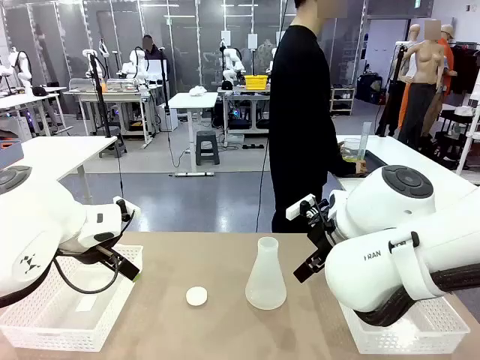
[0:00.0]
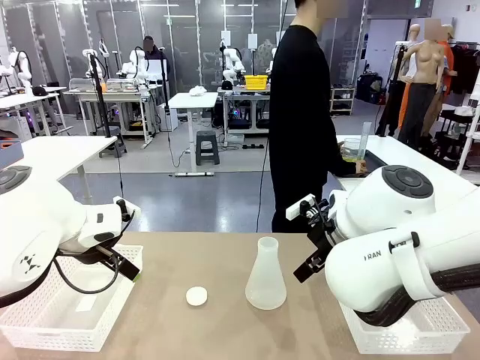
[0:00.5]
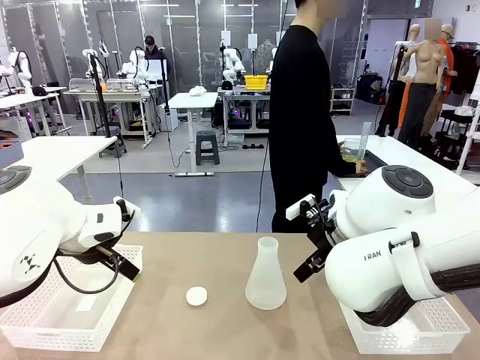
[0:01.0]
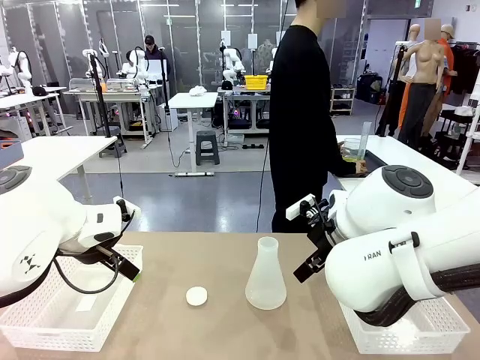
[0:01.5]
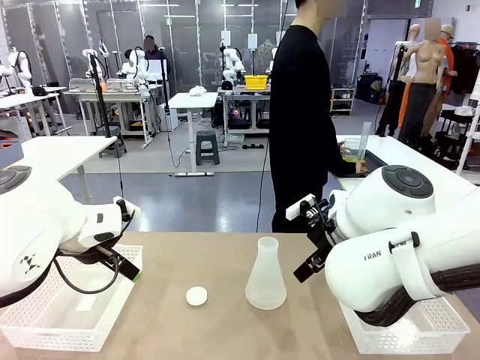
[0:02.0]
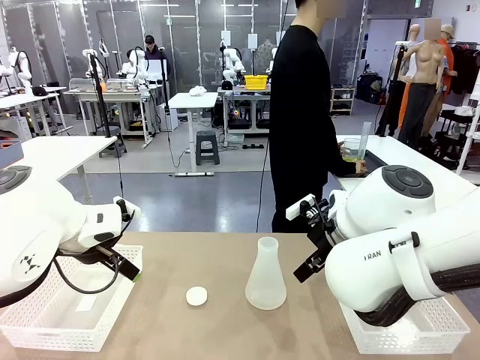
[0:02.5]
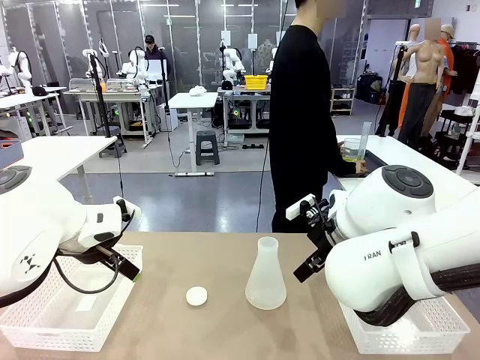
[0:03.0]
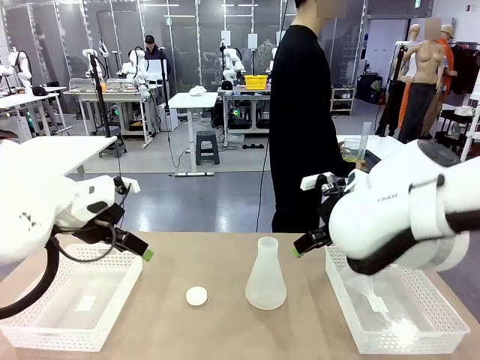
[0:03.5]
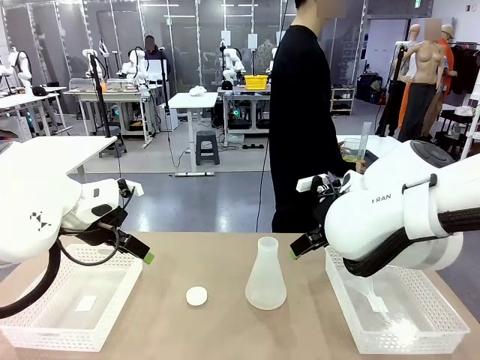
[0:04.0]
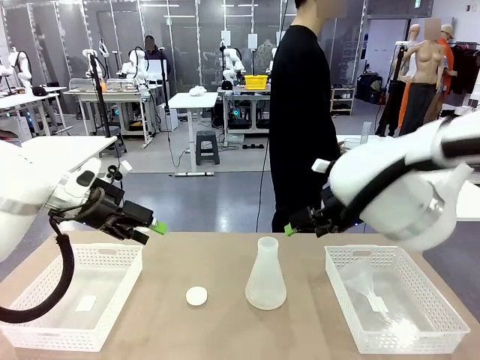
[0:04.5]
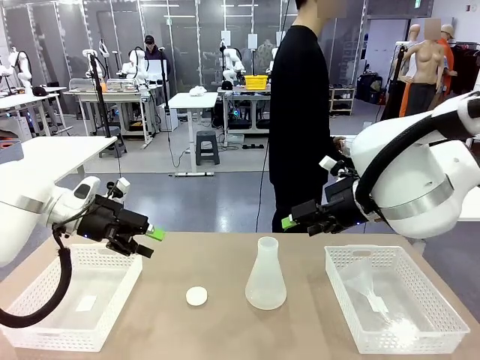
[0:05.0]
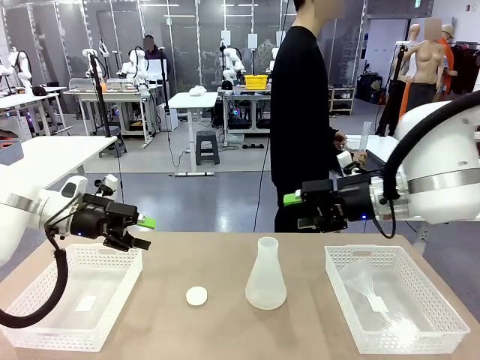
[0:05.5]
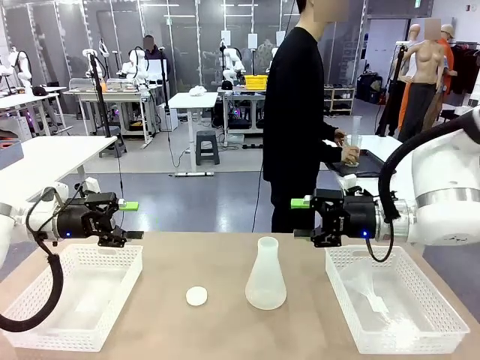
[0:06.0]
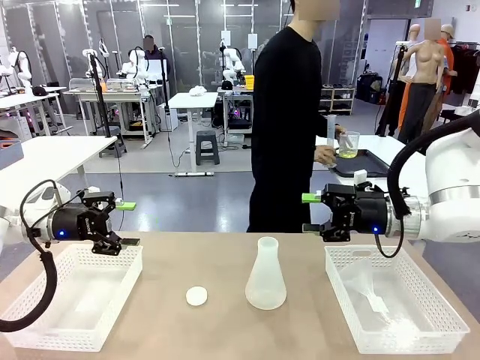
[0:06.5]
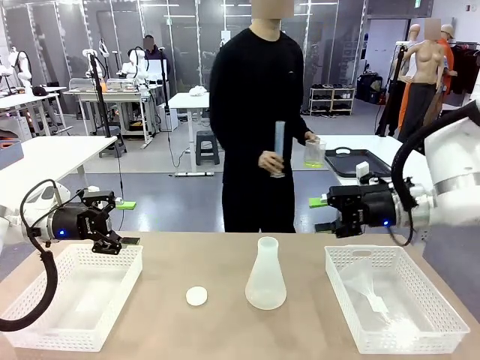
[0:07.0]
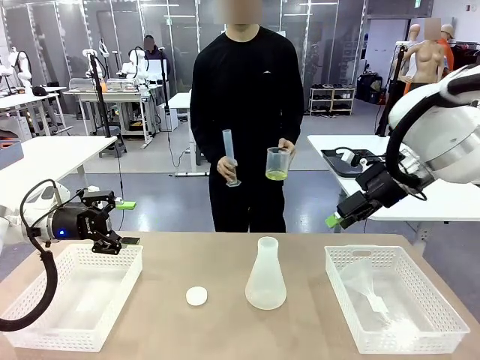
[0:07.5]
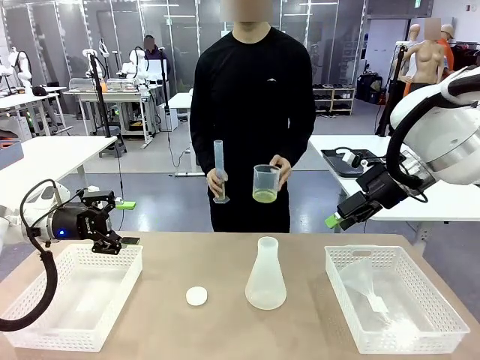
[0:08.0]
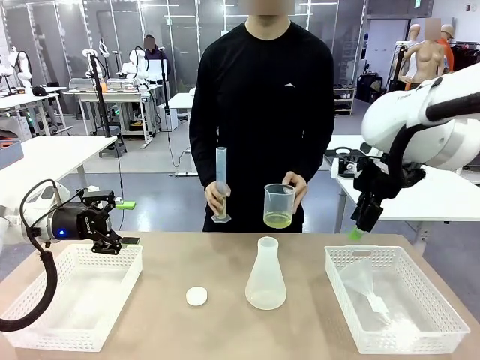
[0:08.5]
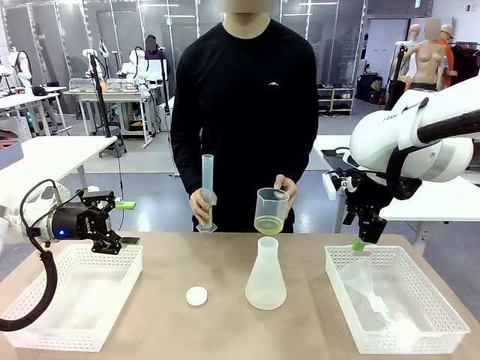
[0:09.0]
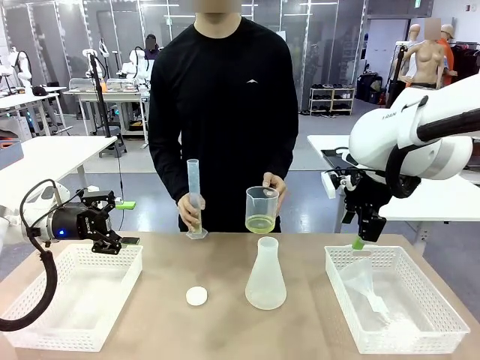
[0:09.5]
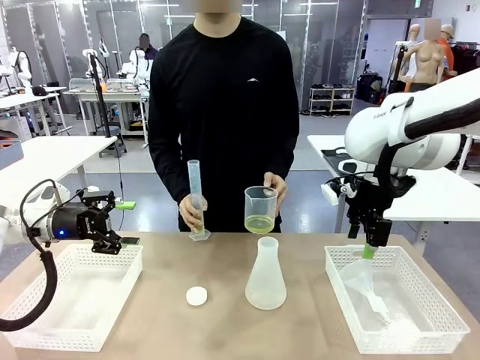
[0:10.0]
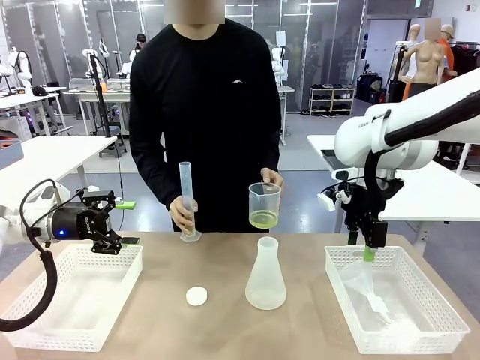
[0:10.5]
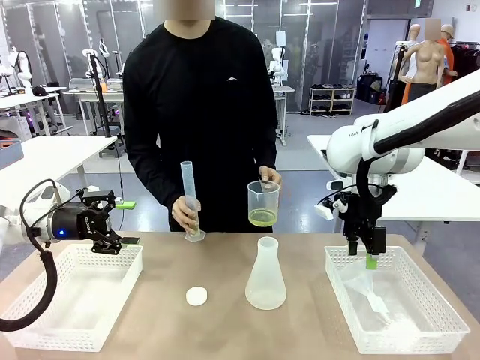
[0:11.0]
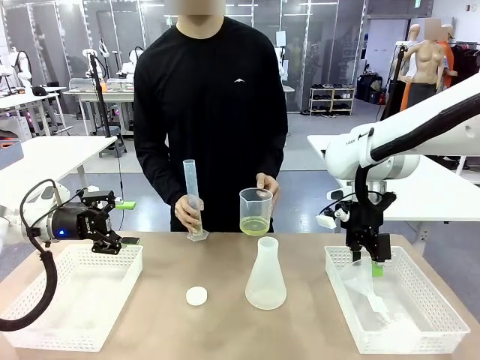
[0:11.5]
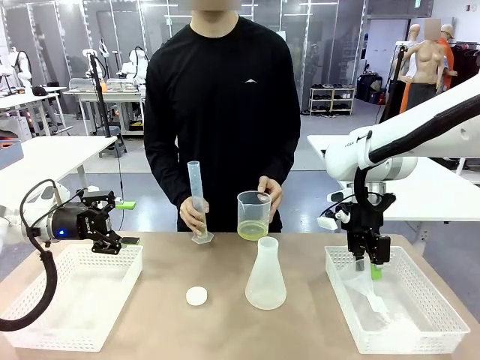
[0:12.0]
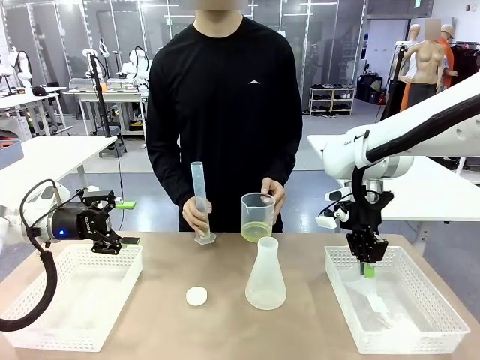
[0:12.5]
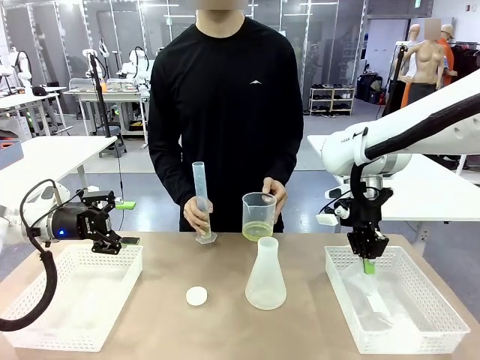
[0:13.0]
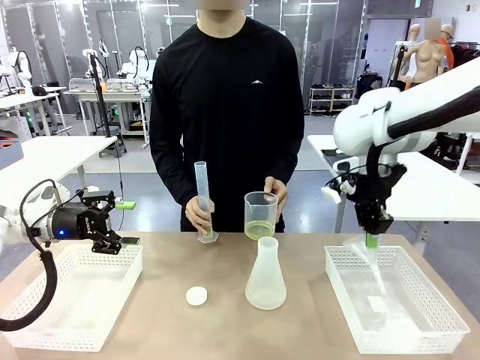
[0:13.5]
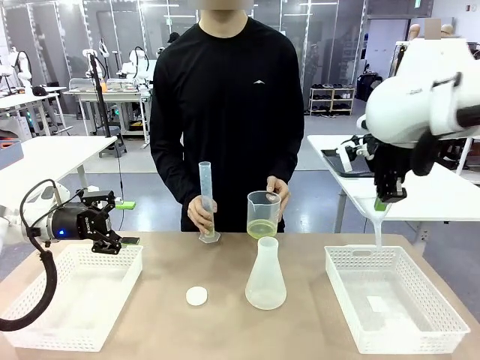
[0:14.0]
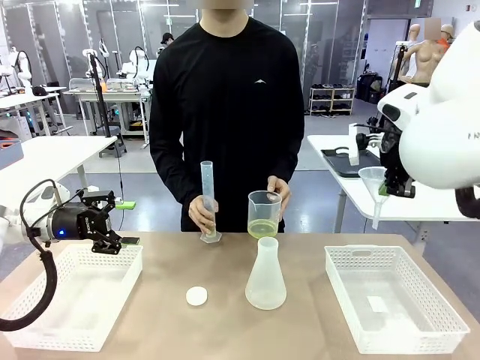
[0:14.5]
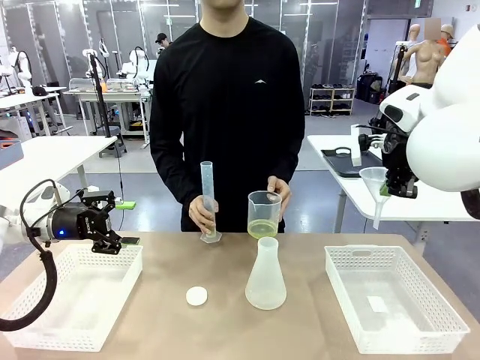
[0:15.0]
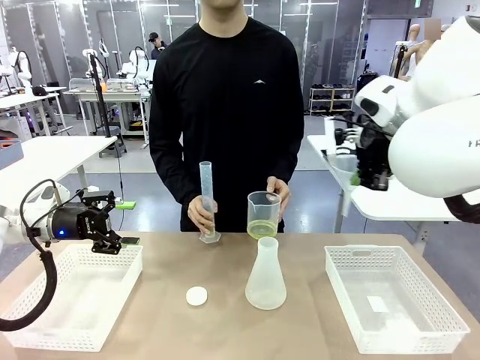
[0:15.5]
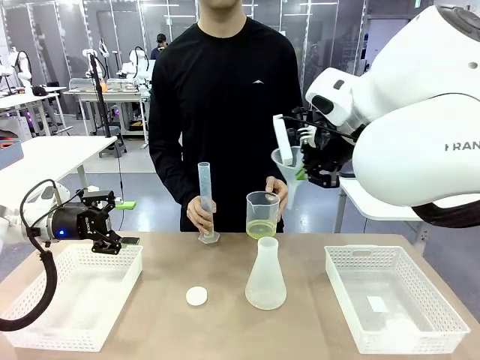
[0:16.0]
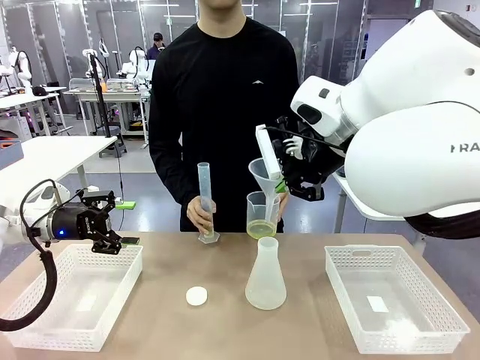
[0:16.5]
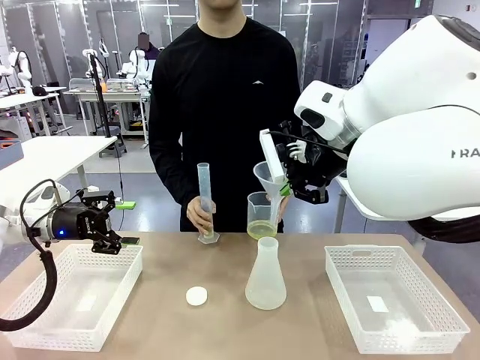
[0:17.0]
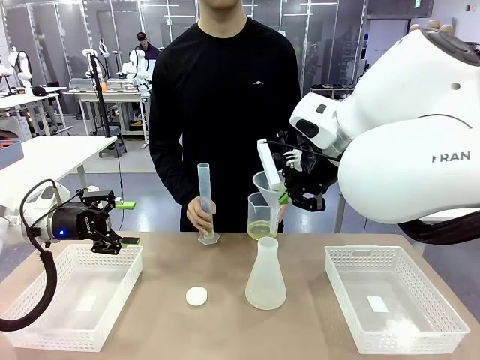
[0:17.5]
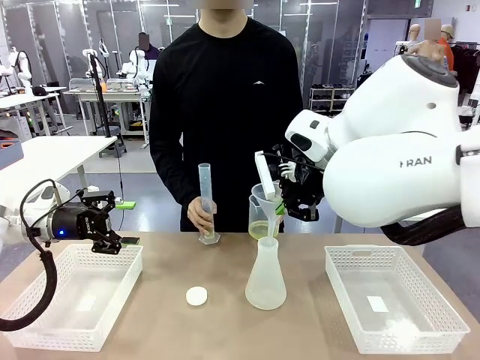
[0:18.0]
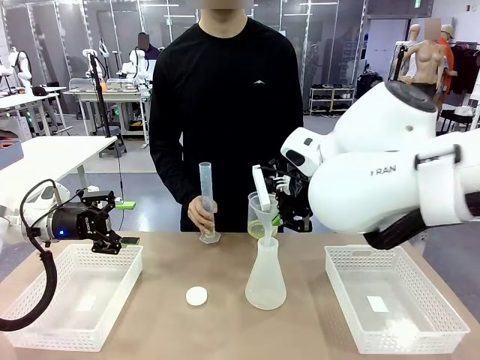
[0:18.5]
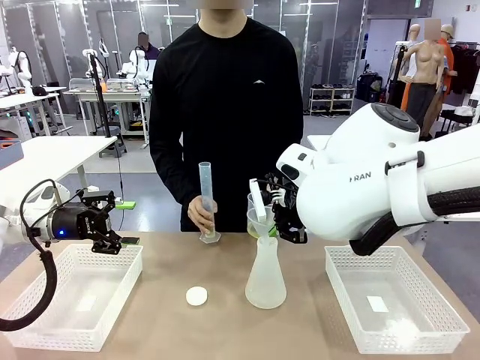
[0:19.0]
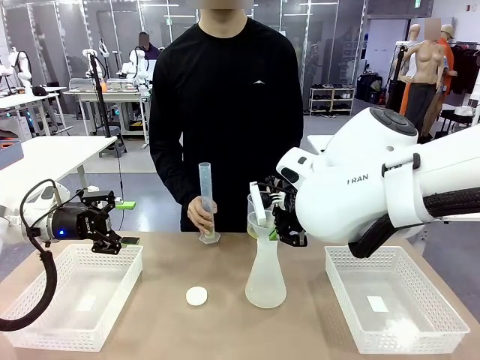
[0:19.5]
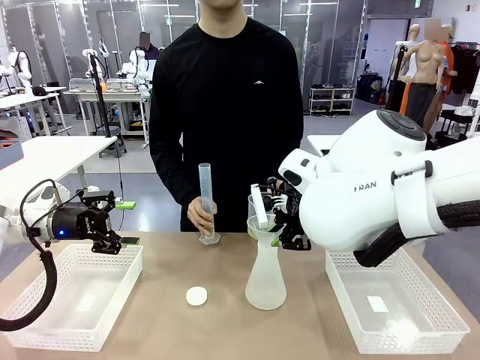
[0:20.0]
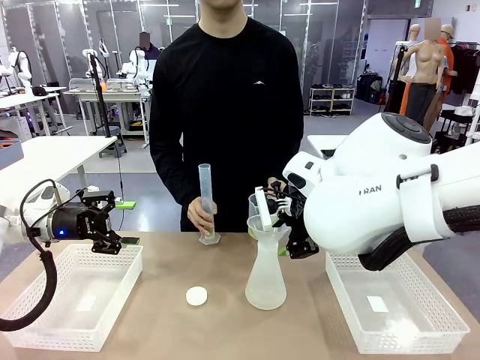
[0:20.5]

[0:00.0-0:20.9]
Task: Prepare the solutions needed for the experiment.
Robot: Pick up the Plastic Funnel and insert it into the Big flask.
Person: Pick up the beaker and the cylinder and move to the middle of the robot table. Pour the solution from the beaker and the cylinder into the flask.
